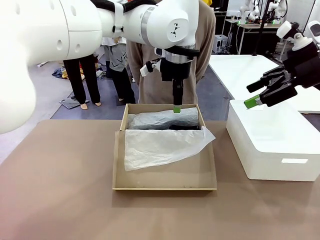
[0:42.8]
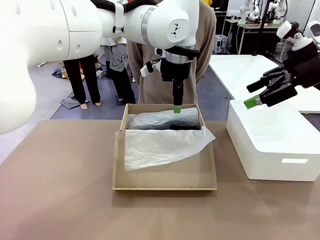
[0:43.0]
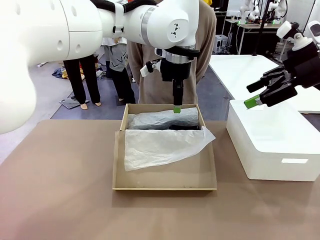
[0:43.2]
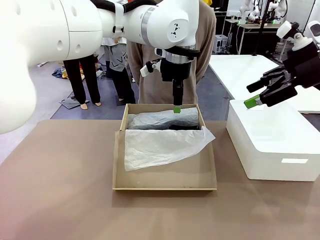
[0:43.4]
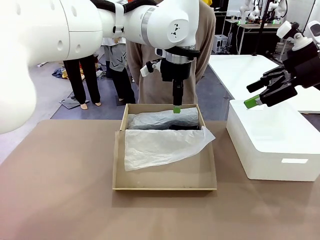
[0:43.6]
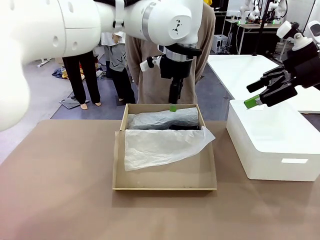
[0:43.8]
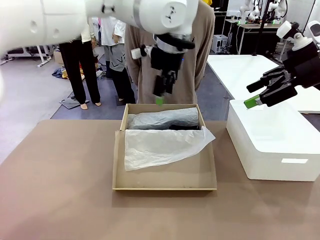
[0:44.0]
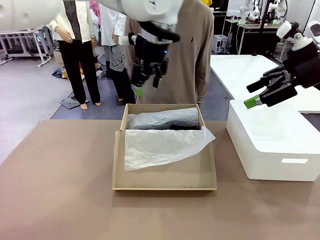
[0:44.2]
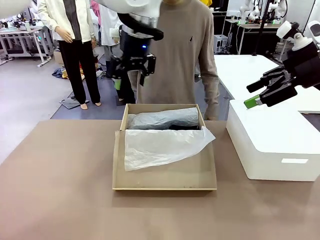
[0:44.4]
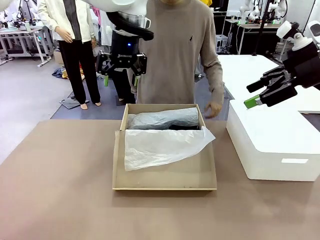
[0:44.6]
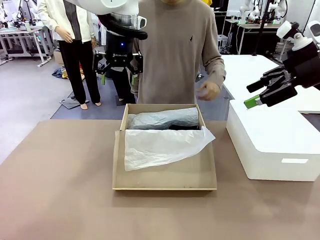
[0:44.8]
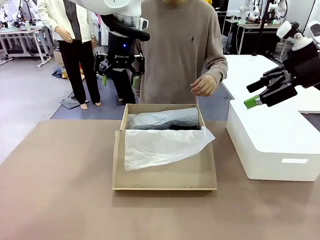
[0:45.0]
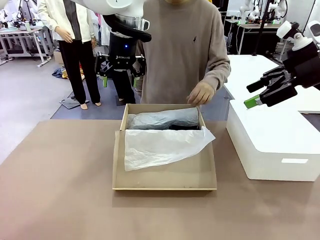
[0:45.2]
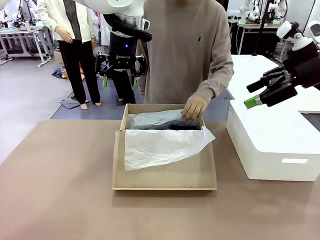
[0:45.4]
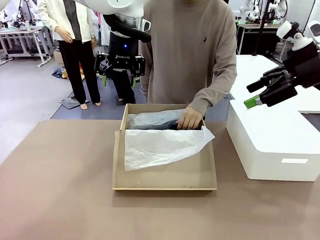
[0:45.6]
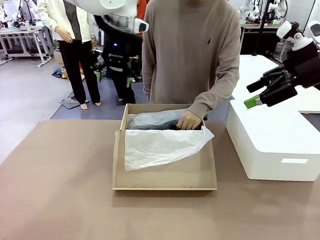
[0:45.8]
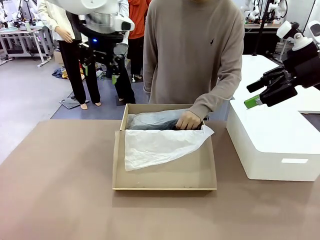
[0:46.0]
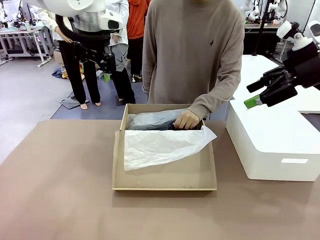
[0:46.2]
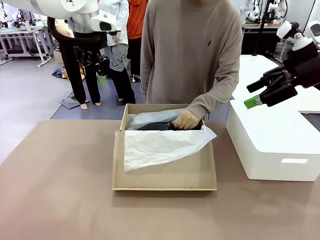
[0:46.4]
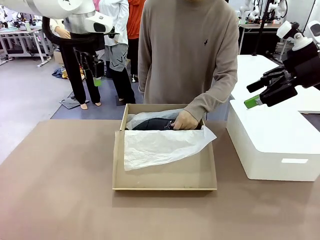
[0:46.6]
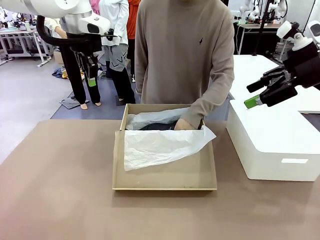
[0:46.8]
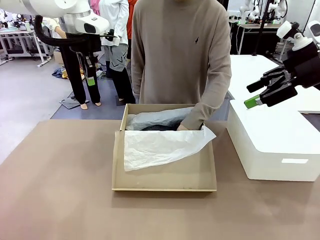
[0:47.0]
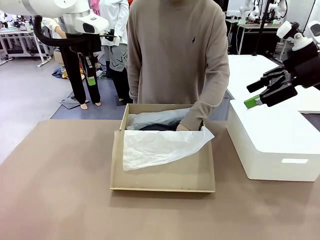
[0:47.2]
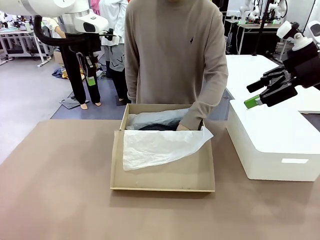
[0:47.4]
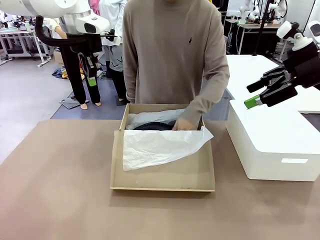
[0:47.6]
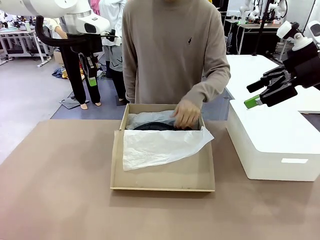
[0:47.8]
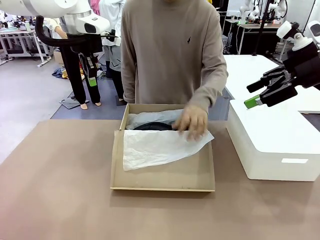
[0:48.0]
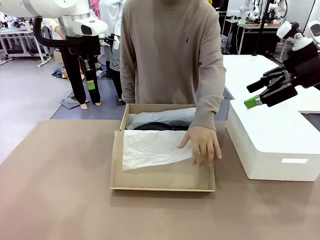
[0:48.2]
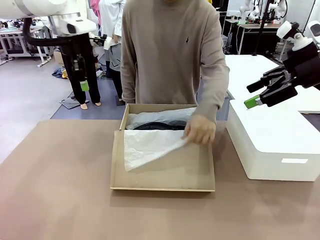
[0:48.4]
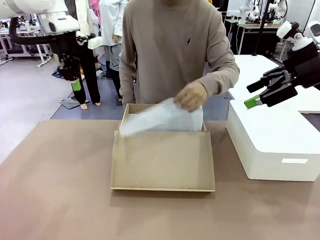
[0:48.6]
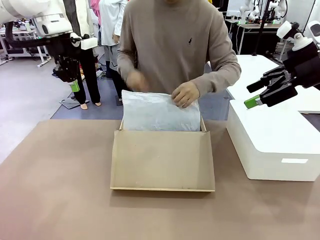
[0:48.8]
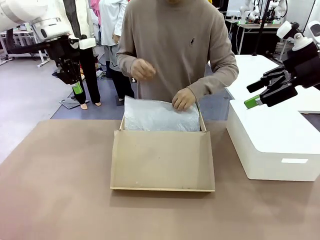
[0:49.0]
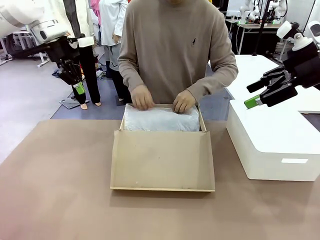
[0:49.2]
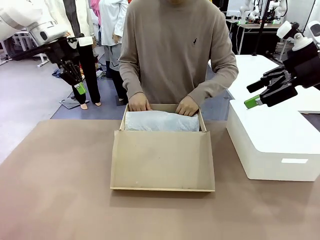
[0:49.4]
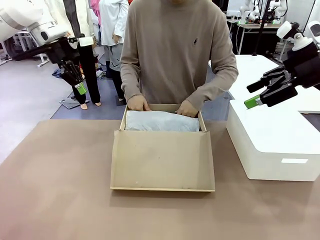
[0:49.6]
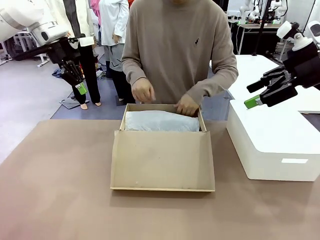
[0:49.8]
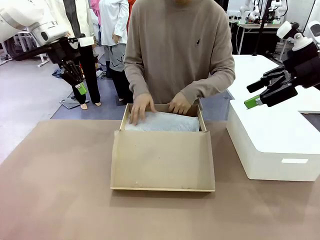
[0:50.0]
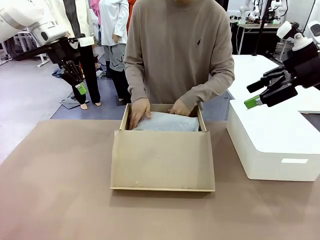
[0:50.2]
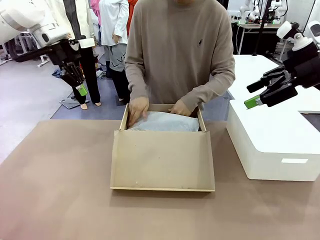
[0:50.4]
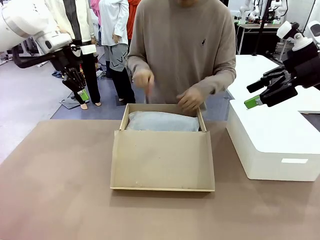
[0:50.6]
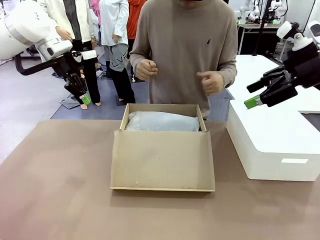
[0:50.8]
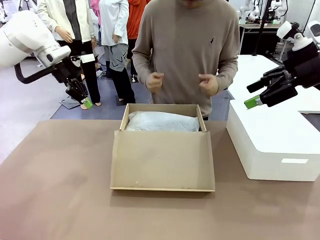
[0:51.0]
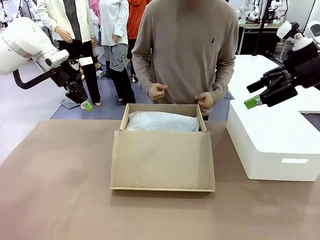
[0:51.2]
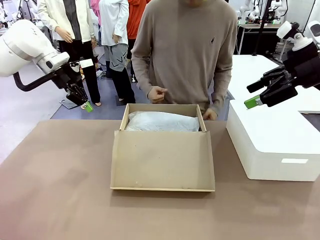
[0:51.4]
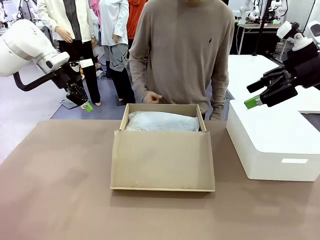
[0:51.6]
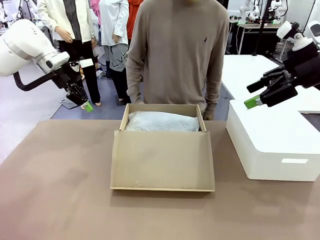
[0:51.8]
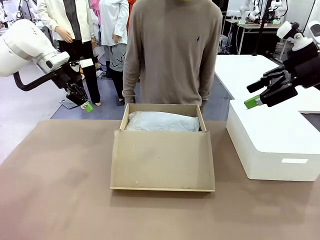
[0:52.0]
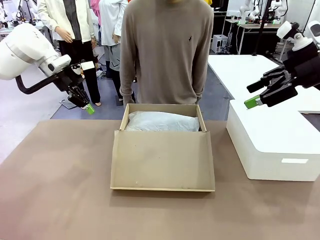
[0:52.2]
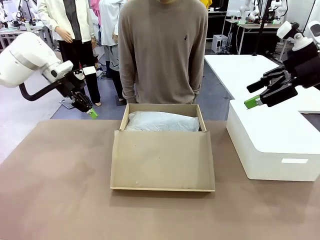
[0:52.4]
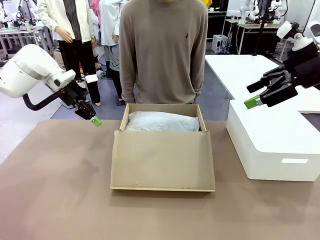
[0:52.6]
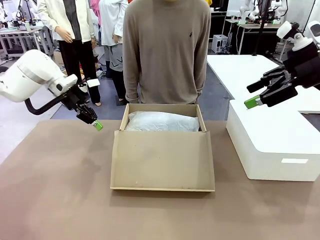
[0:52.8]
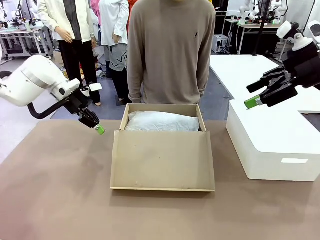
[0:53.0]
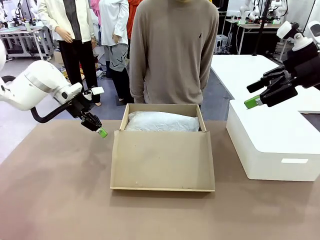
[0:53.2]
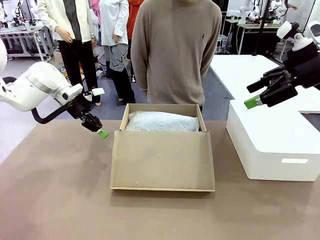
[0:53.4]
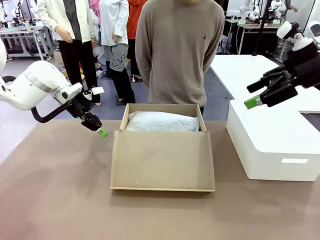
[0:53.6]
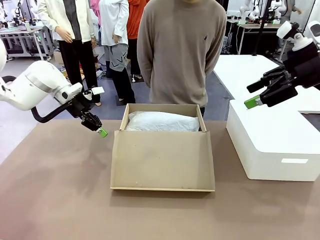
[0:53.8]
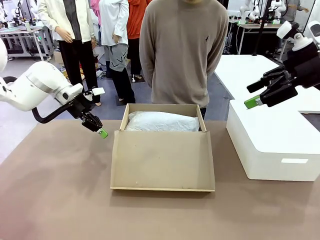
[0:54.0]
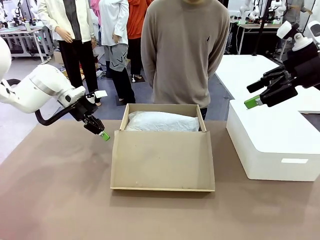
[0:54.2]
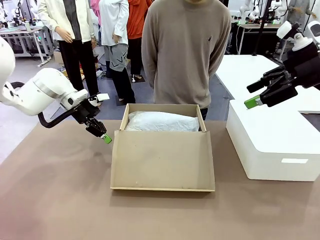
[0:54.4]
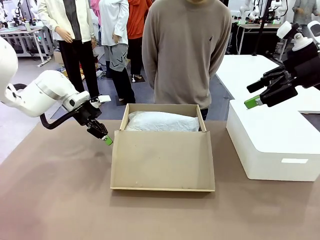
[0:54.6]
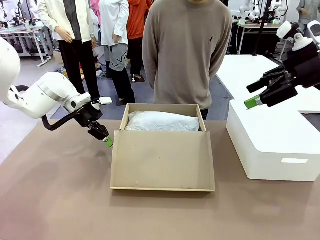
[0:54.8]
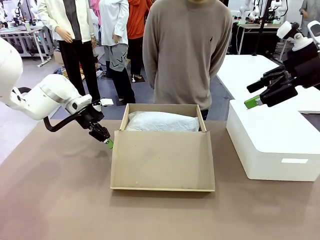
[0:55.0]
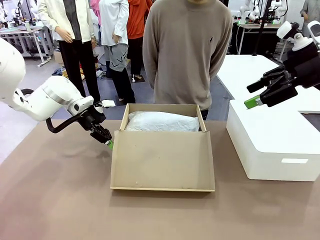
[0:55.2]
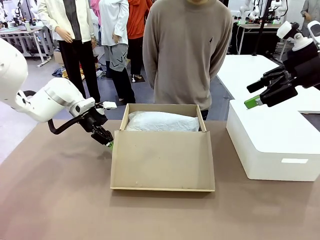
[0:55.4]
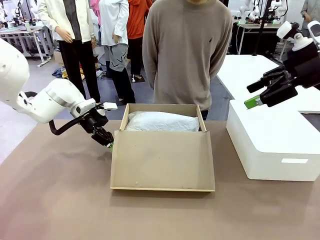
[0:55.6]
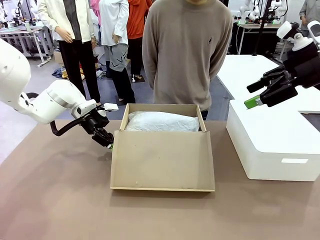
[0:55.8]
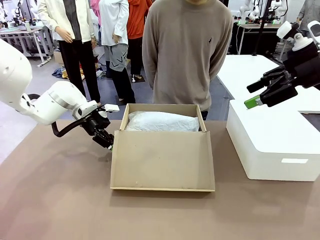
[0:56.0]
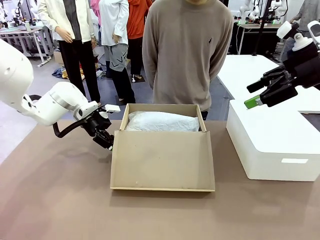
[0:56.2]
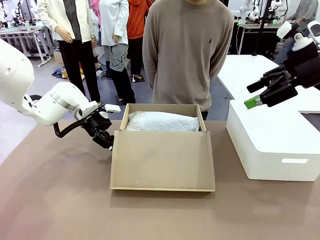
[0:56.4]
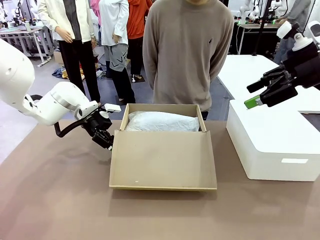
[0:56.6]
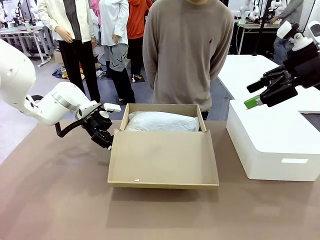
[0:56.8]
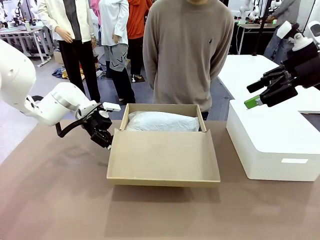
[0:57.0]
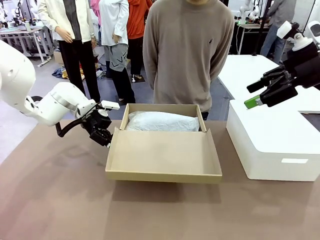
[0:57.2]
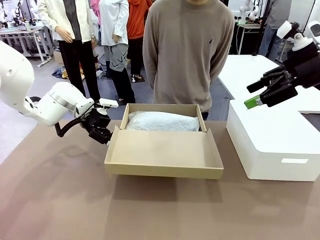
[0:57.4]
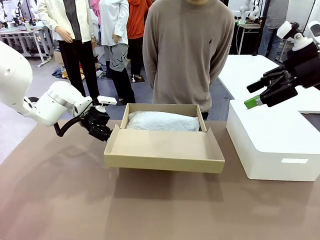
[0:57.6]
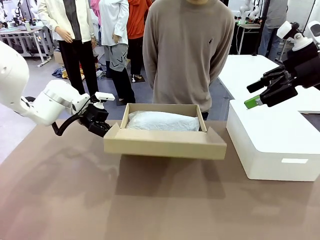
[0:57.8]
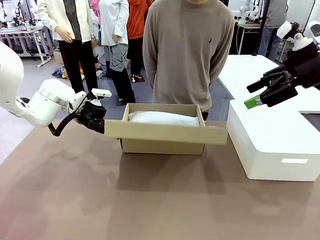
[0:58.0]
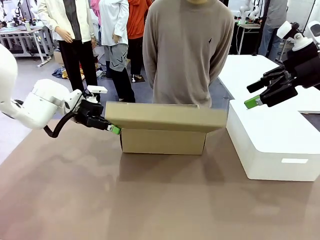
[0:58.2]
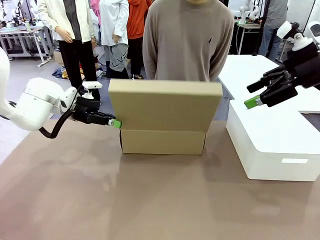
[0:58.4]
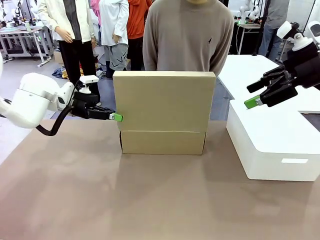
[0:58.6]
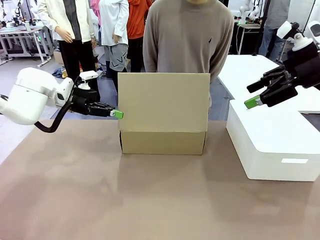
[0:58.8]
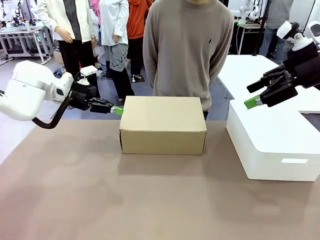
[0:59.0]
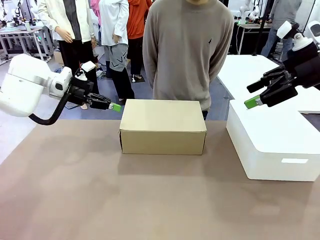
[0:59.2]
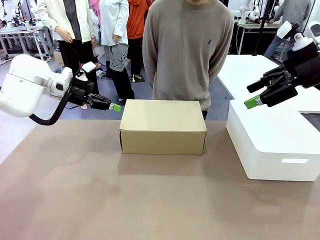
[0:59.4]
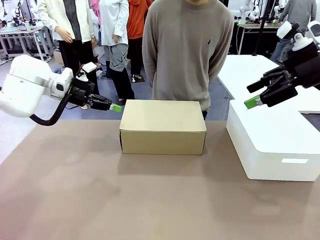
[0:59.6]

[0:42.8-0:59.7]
Task: Pack the shoes into the box.
Robot: Close the Shoes Box.
